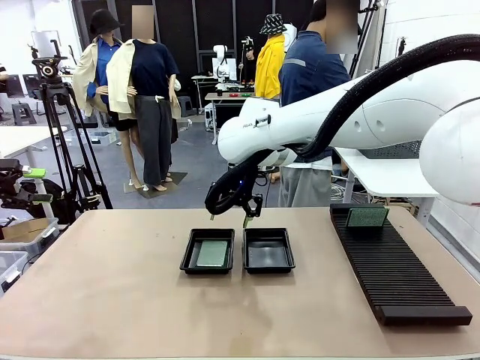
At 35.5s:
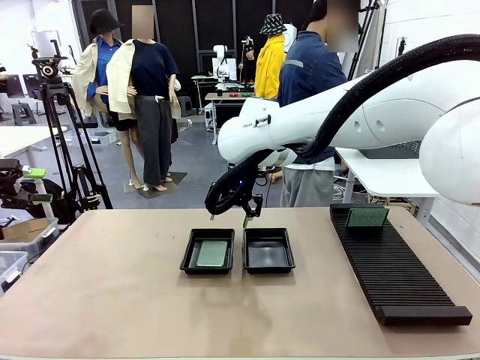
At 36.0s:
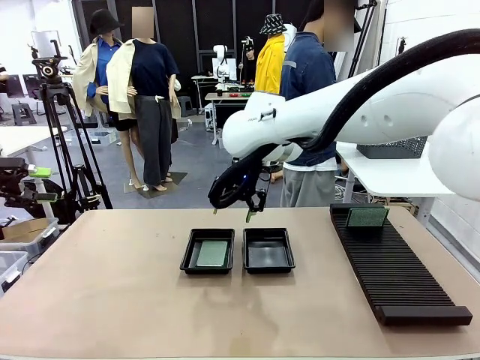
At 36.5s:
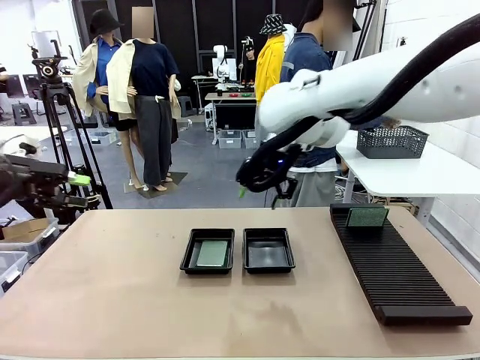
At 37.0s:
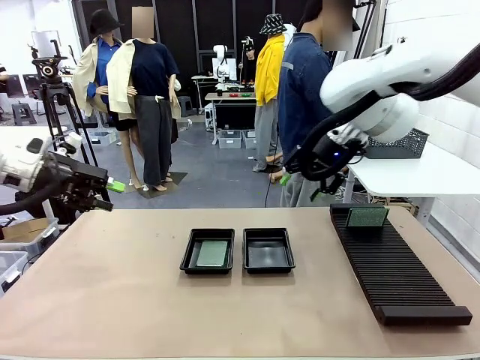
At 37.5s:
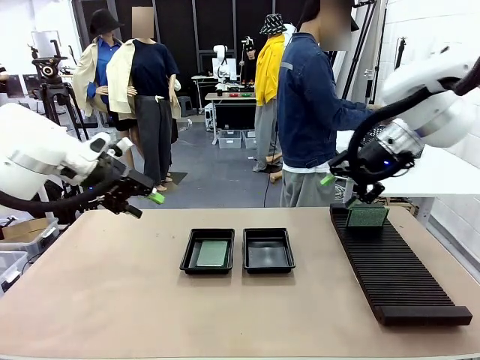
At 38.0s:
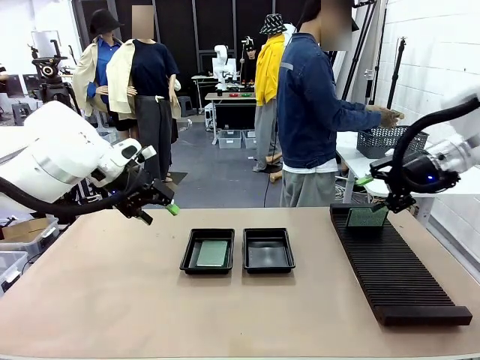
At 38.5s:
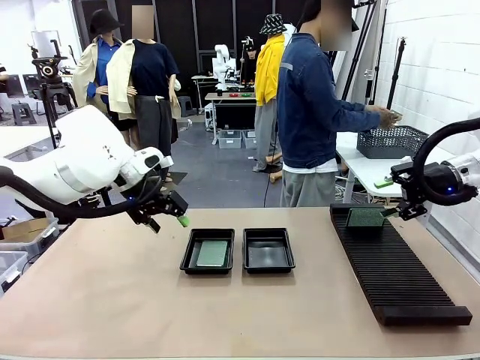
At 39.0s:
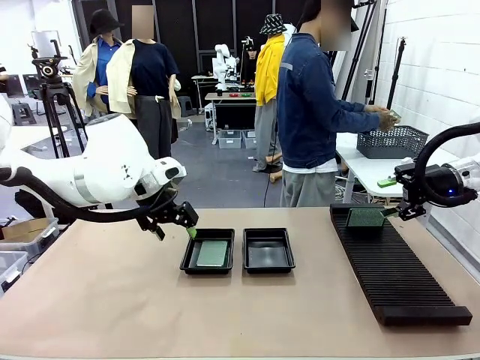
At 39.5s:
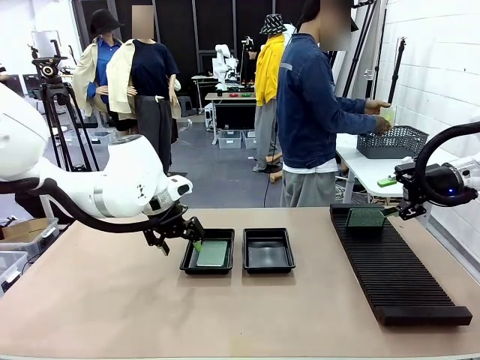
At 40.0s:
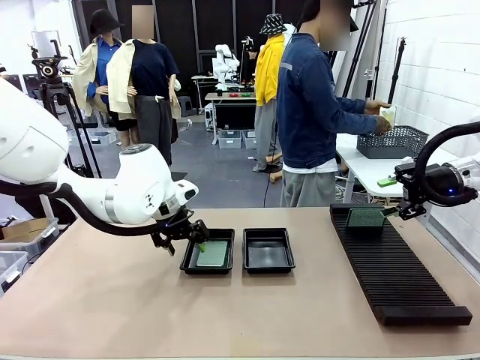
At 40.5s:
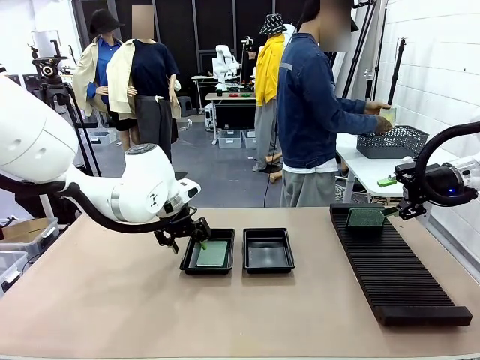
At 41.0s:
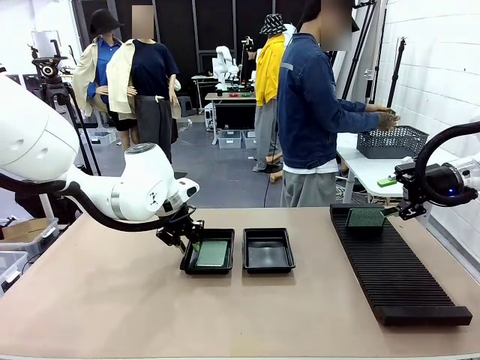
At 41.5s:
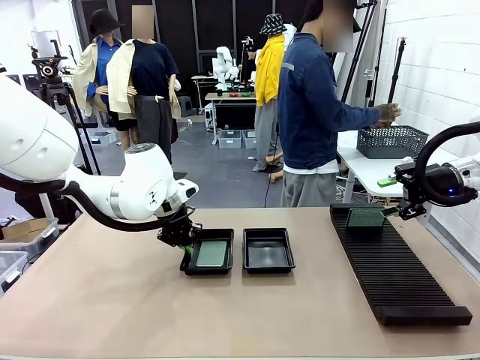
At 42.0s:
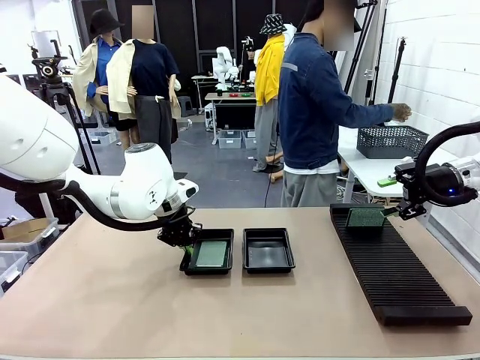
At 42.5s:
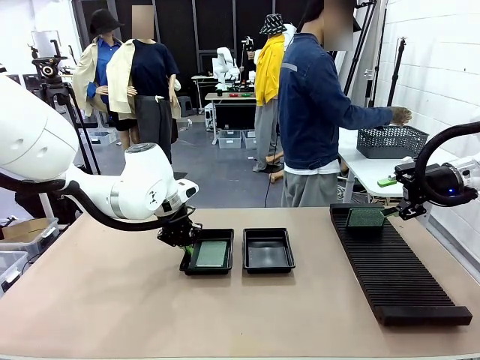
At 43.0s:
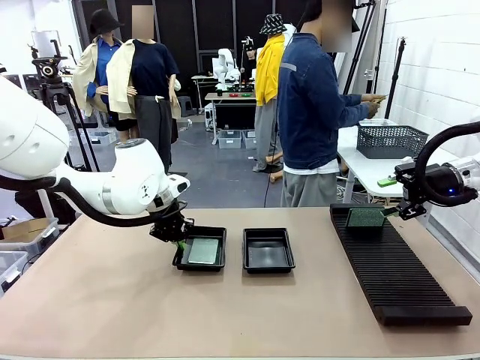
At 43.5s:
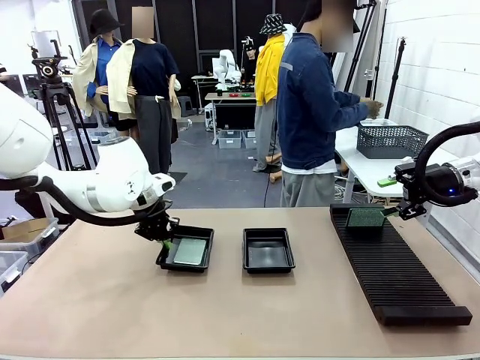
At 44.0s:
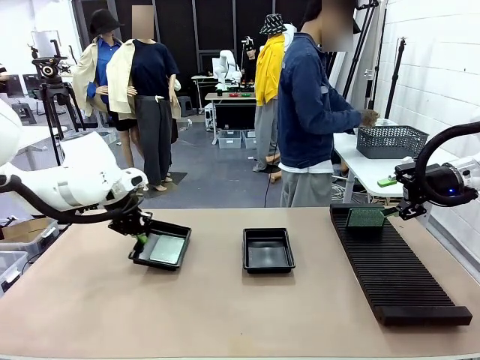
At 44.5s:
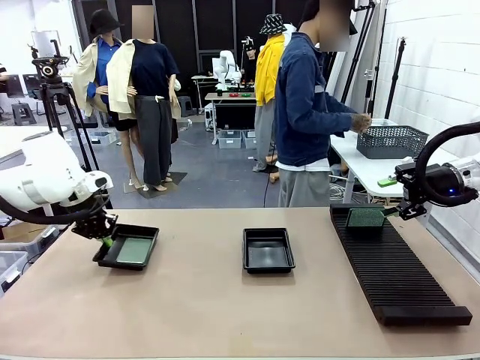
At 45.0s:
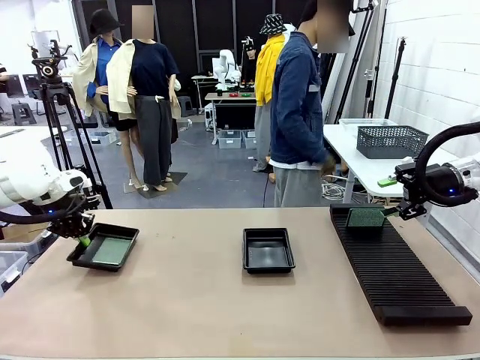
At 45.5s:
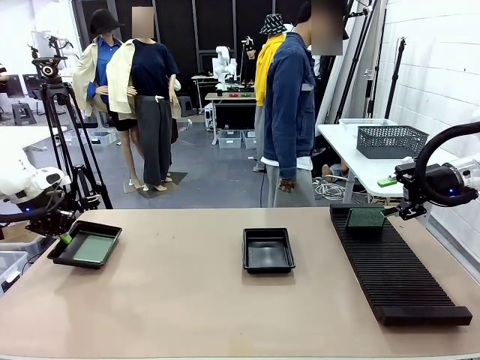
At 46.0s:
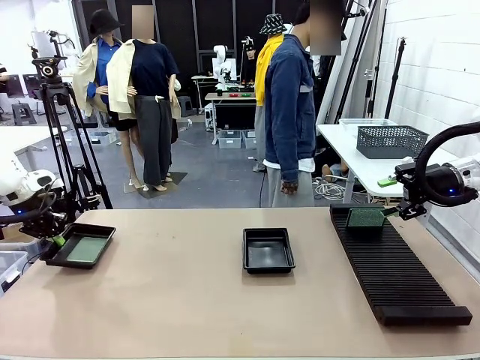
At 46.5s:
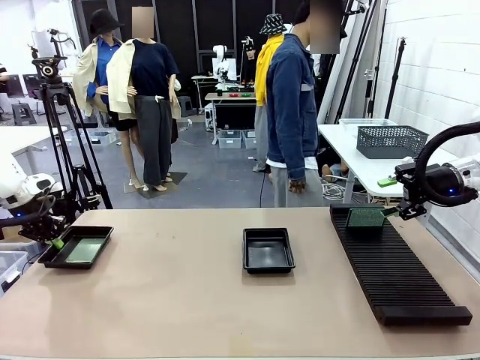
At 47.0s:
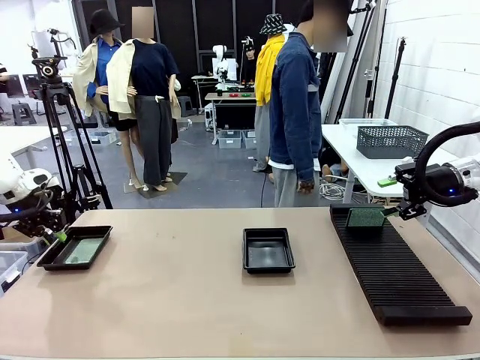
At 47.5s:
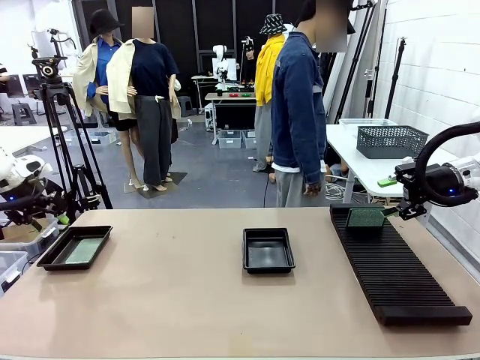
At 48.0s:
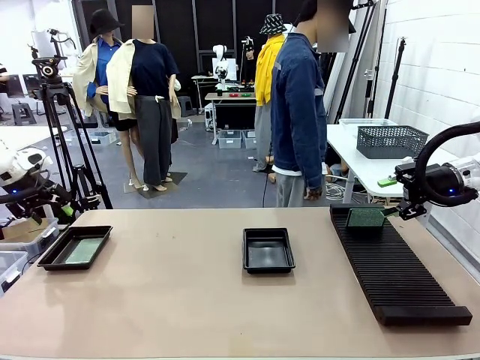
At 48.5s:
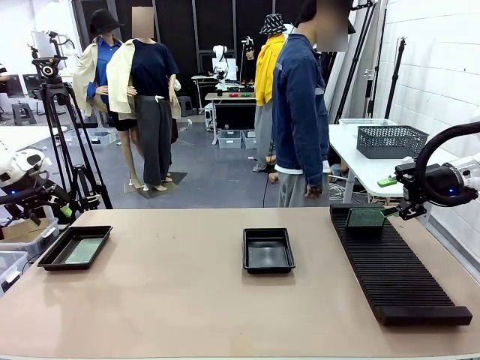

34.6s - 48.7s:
Task: Inspect and transfer BCBs to ESD trays.
Robot: Pick up the ESD tray and place it on the left side of the table.

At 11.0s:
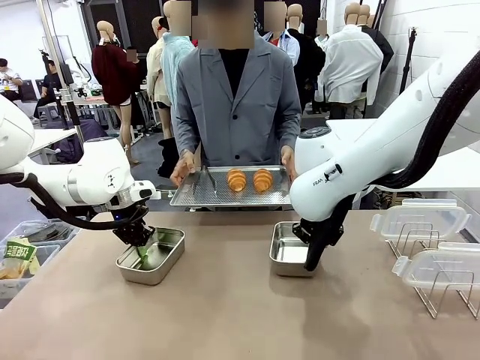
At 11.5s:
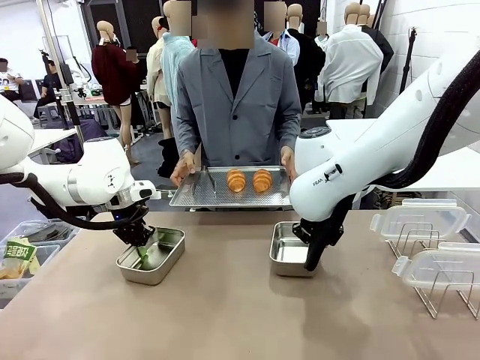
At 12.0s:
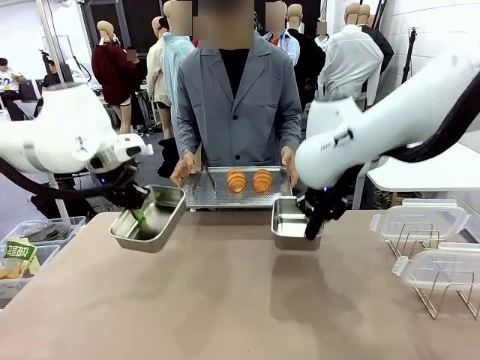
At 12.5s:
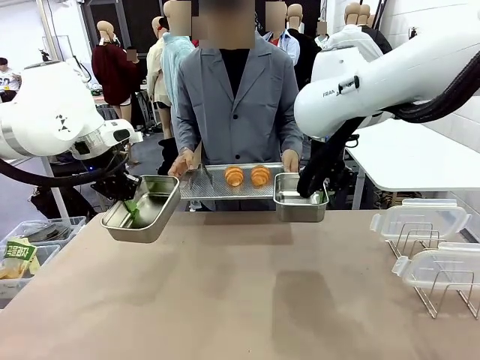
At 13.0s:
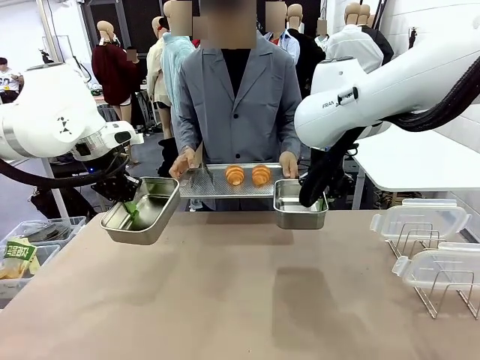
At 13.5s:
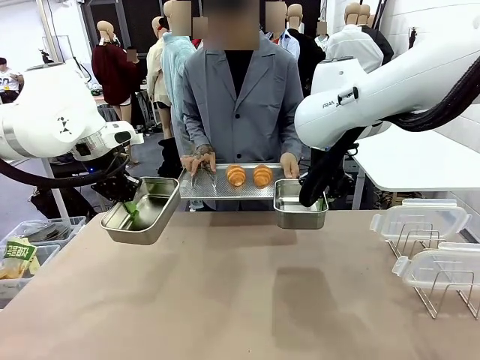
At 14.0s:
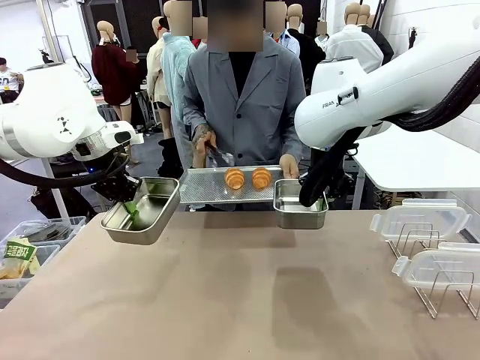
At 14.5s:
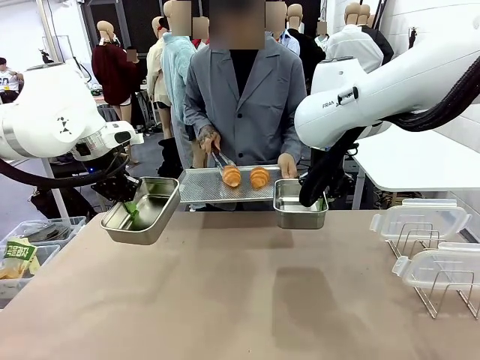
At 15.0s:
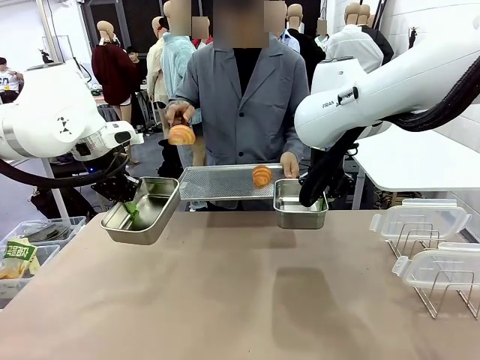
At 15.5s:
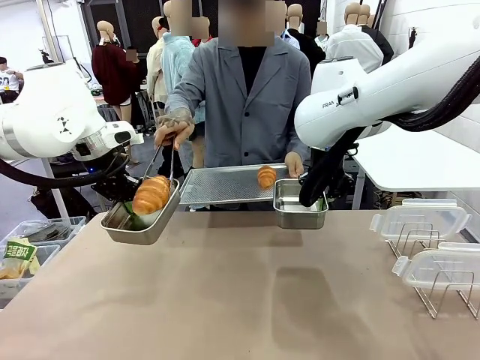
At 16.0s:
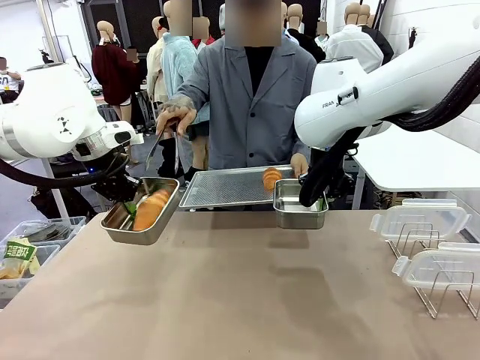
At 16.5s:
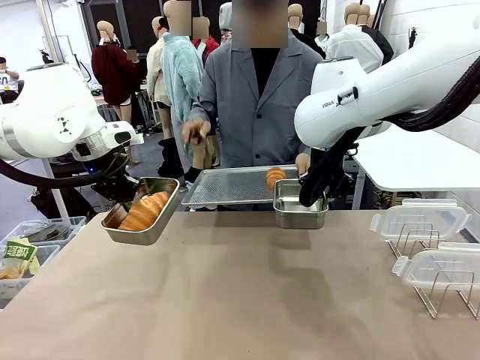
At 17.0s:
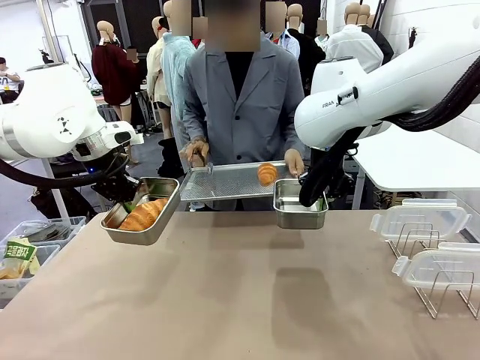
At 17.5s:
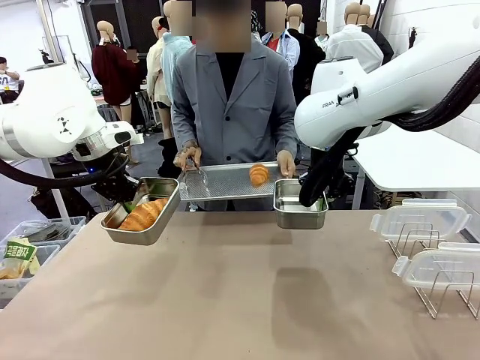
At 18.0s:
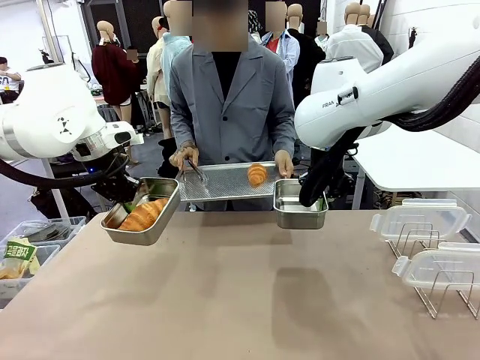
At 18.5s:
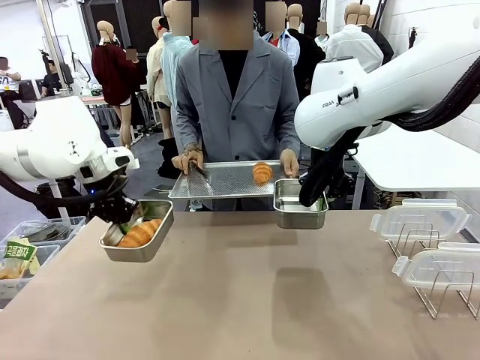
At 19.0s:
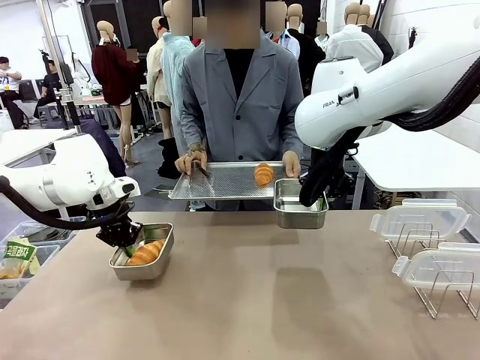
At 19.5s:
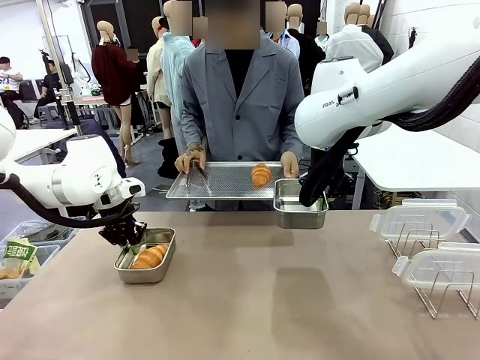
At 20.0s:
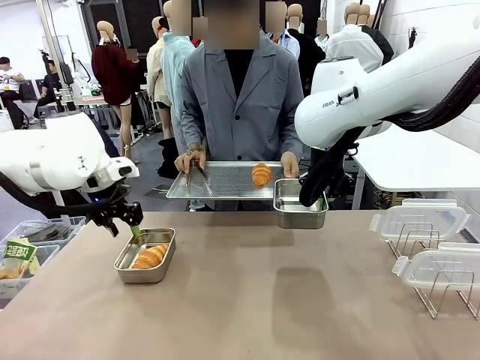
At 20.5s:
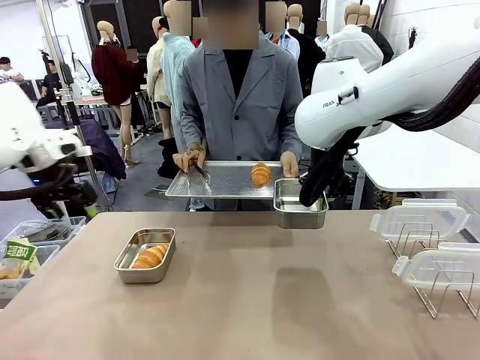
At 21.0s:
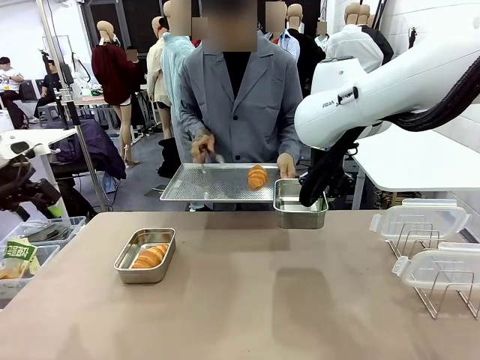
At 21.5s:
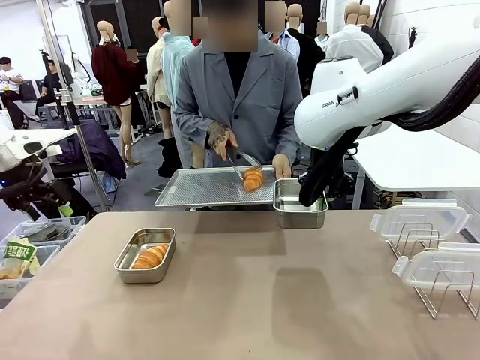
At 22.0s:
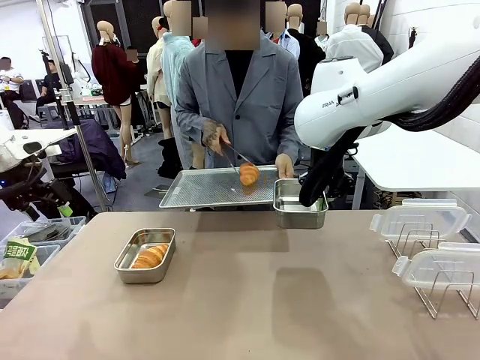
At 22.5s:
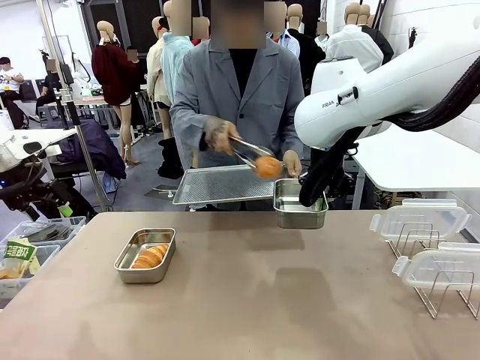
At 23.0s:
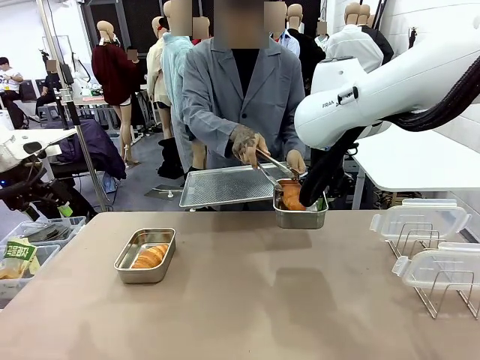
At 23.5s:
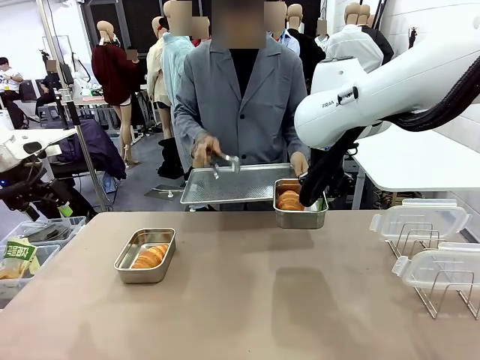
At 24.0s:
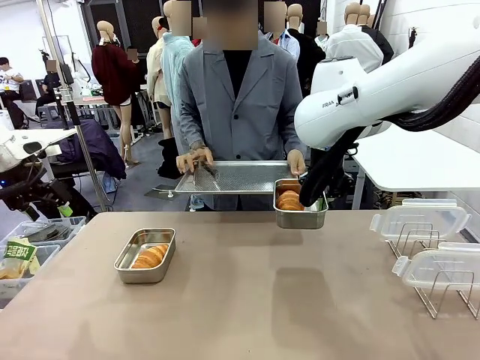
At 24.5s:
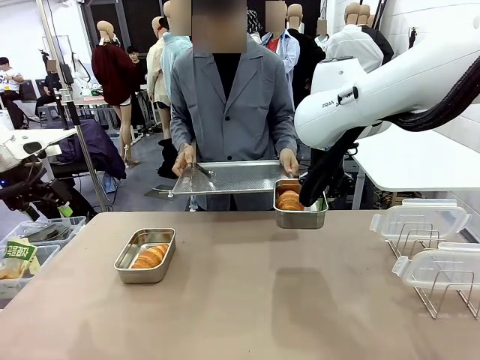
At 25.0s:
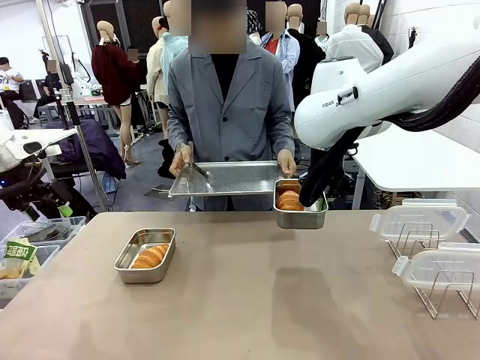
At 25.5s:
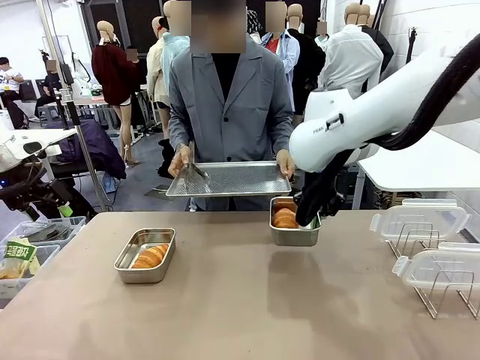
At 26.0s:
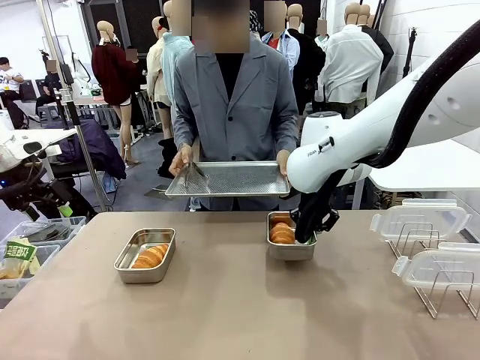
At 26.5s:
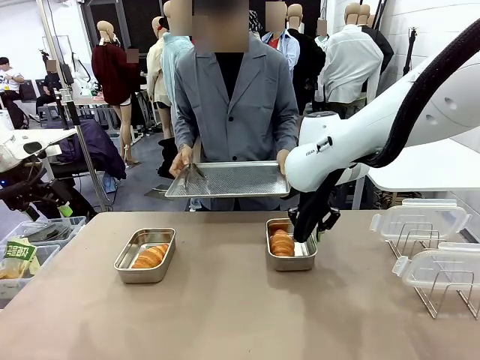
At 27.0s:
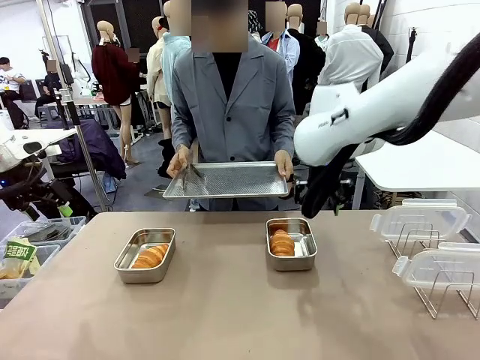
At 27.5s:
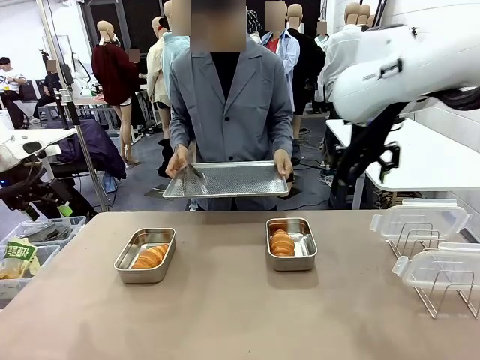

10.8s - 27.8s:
Task: Place the bread in airtight containers.
Robot: Once an object is inside an Airtight Container , place the container in the center of the table.
Person: Use the Stainless steel tongs to place one object from Baking Sheet into one Airtight Container.
